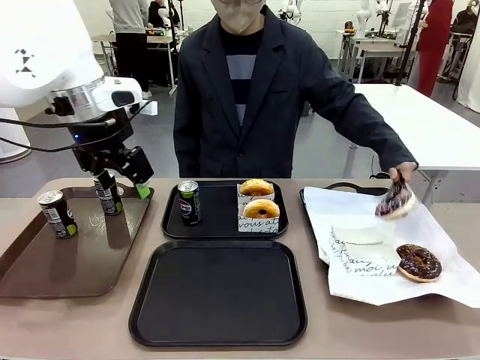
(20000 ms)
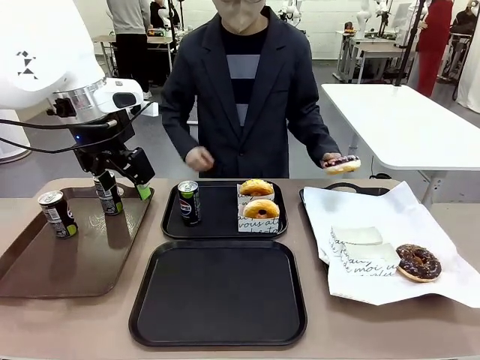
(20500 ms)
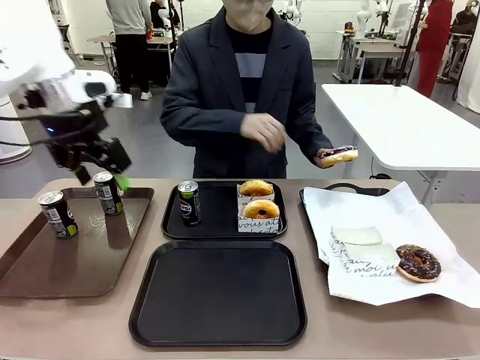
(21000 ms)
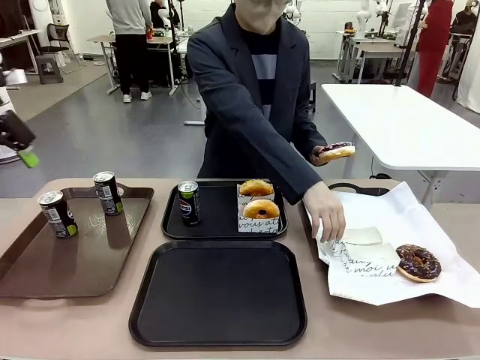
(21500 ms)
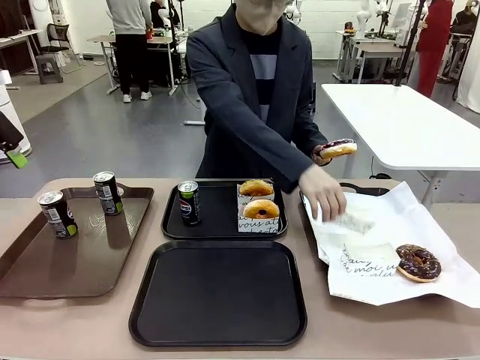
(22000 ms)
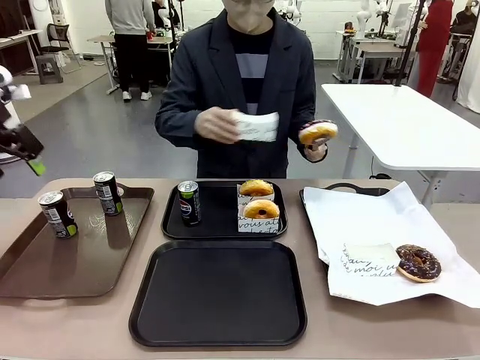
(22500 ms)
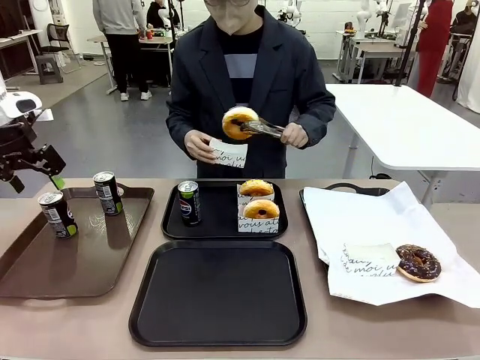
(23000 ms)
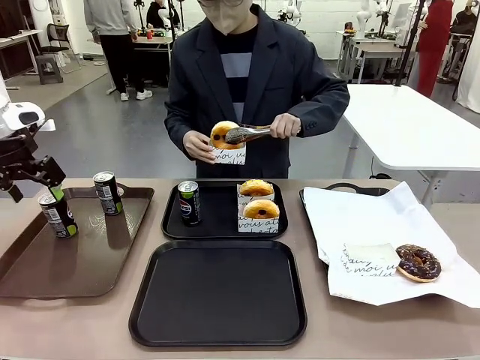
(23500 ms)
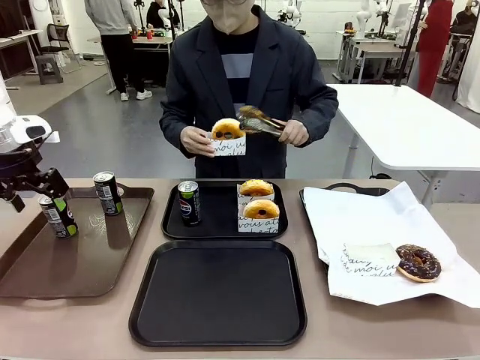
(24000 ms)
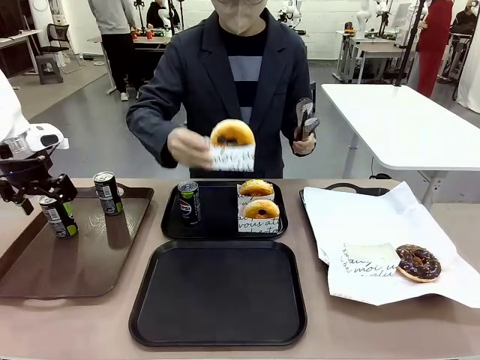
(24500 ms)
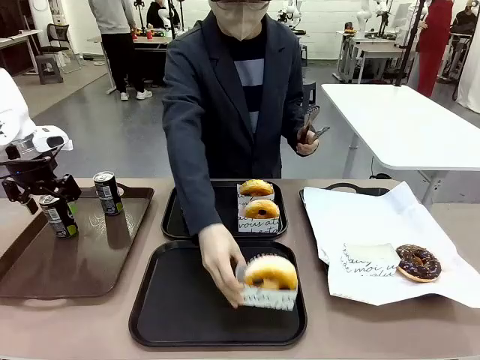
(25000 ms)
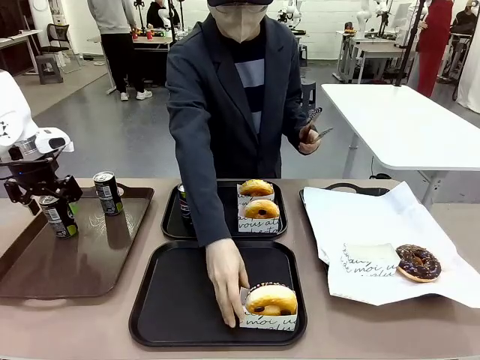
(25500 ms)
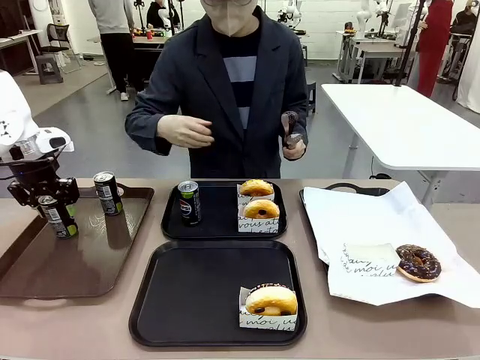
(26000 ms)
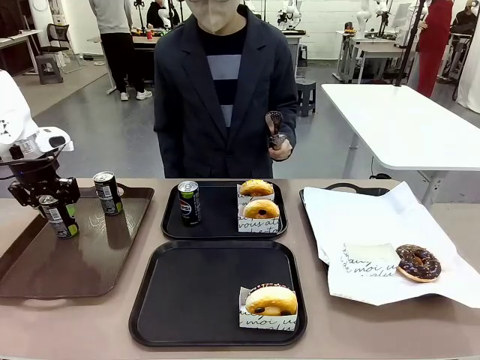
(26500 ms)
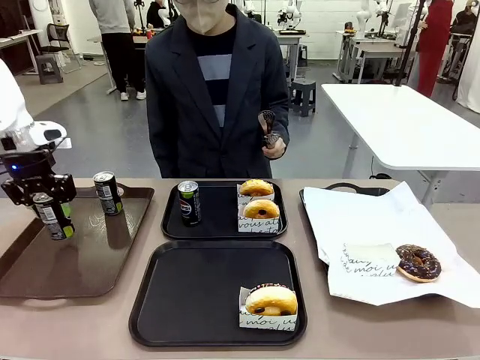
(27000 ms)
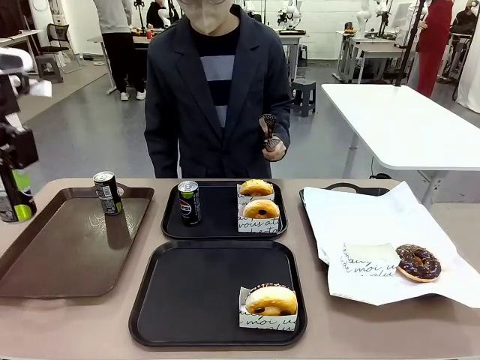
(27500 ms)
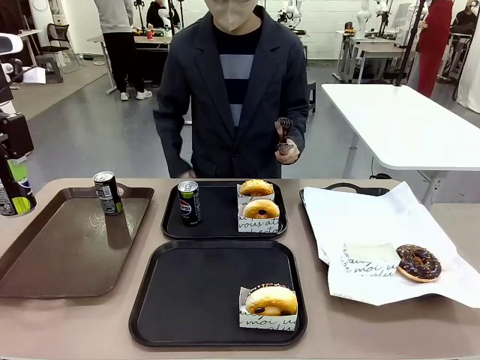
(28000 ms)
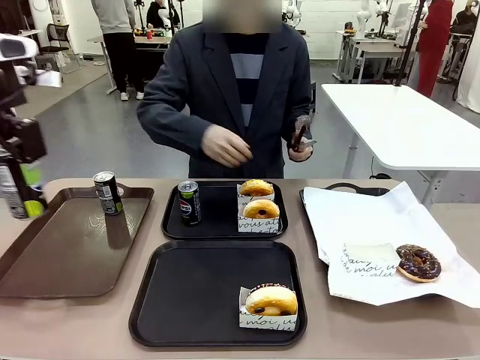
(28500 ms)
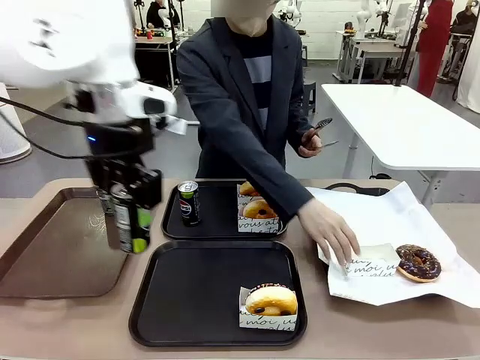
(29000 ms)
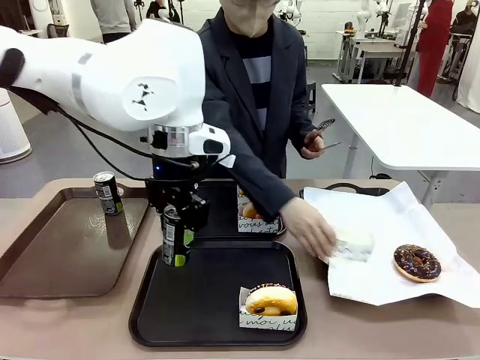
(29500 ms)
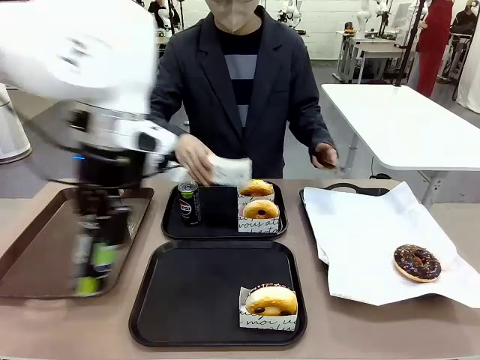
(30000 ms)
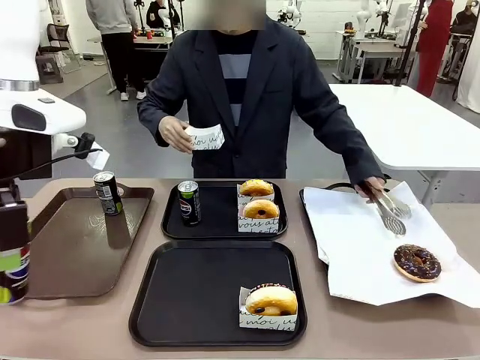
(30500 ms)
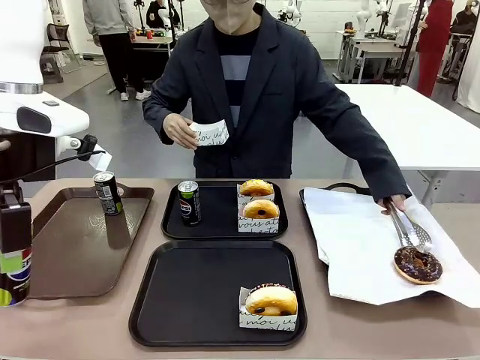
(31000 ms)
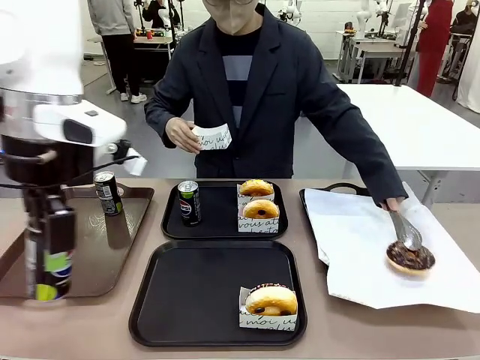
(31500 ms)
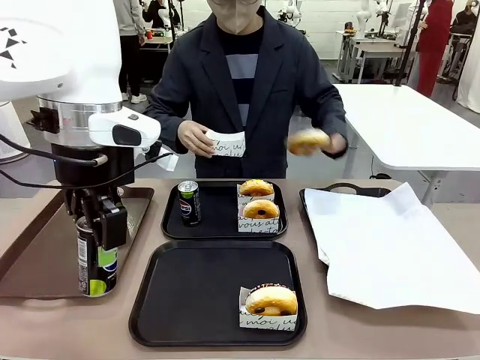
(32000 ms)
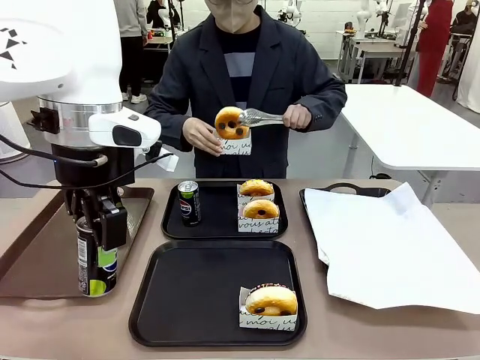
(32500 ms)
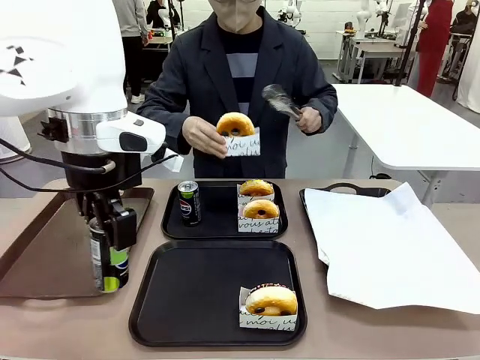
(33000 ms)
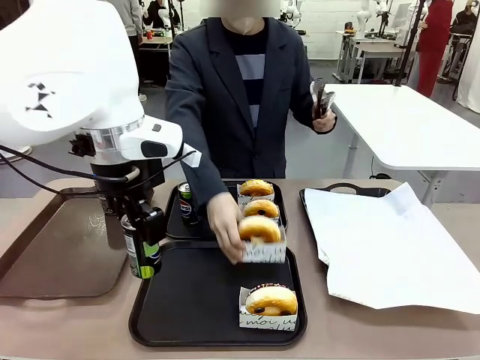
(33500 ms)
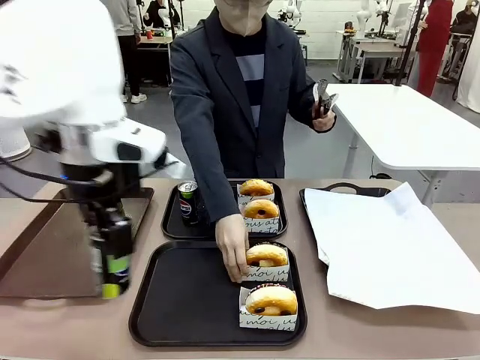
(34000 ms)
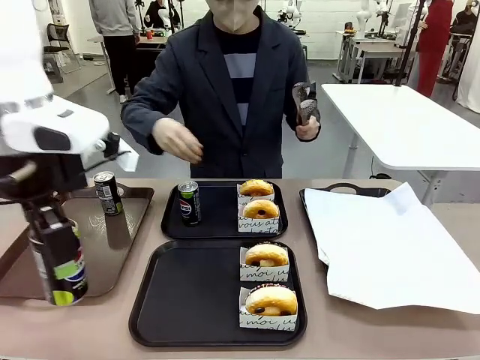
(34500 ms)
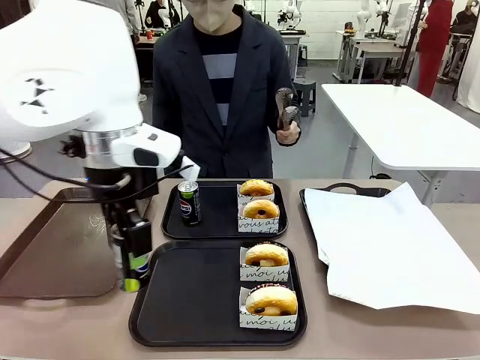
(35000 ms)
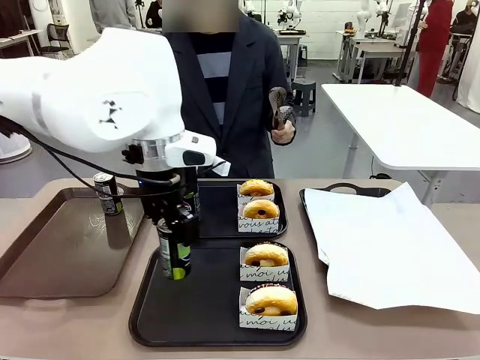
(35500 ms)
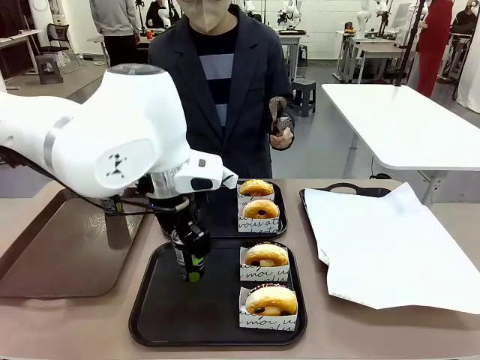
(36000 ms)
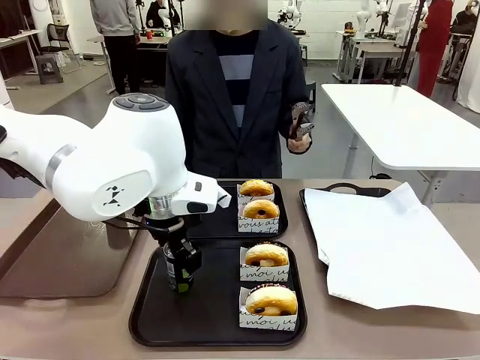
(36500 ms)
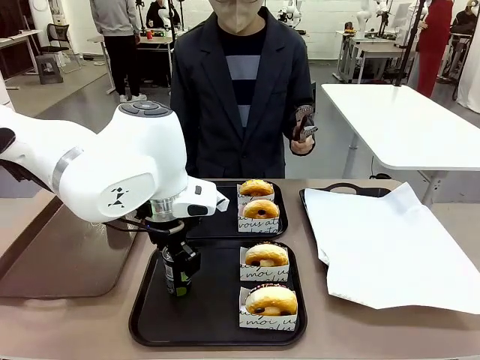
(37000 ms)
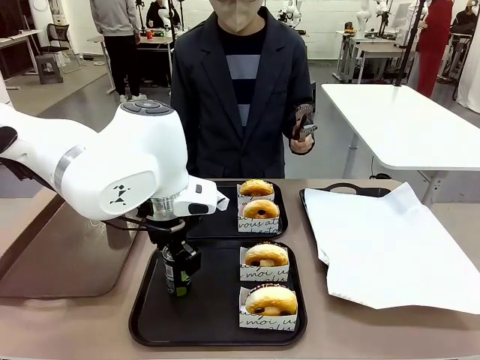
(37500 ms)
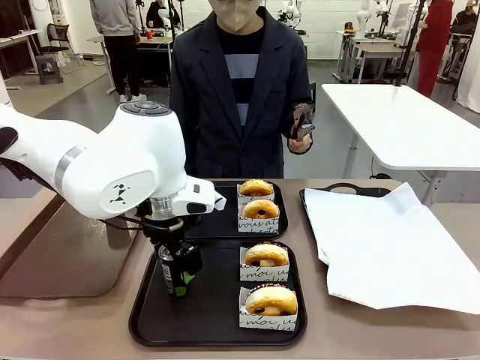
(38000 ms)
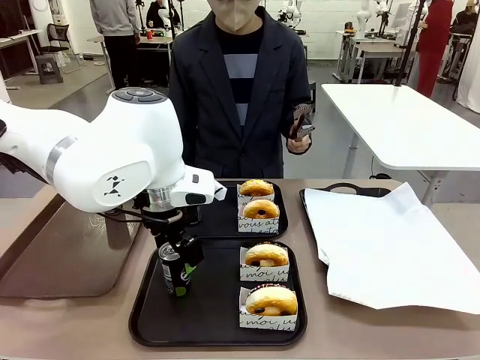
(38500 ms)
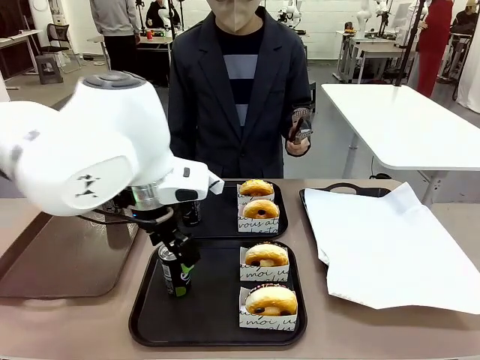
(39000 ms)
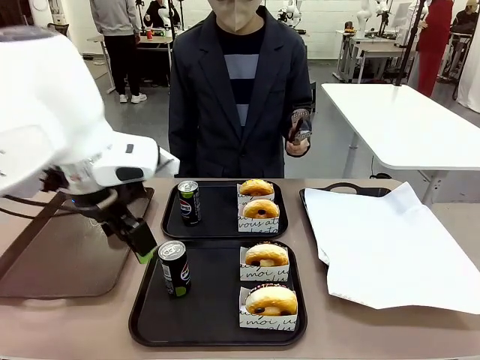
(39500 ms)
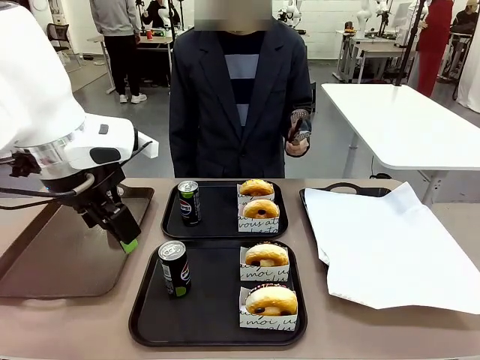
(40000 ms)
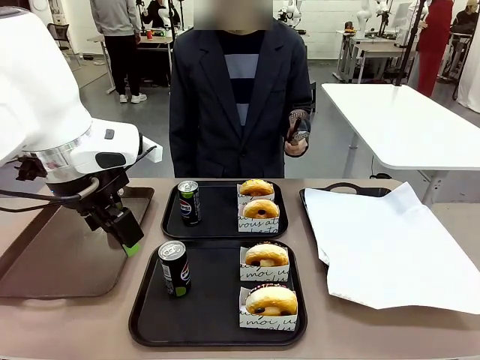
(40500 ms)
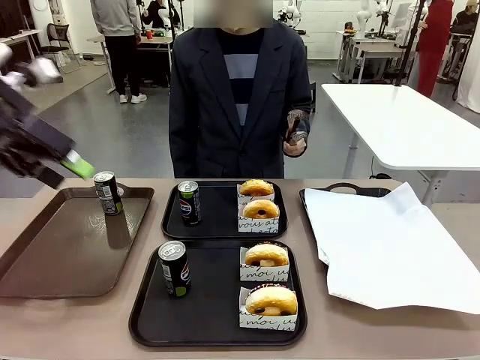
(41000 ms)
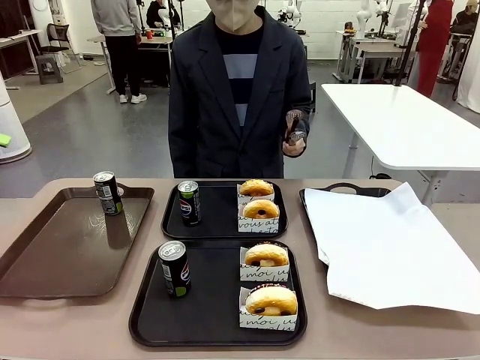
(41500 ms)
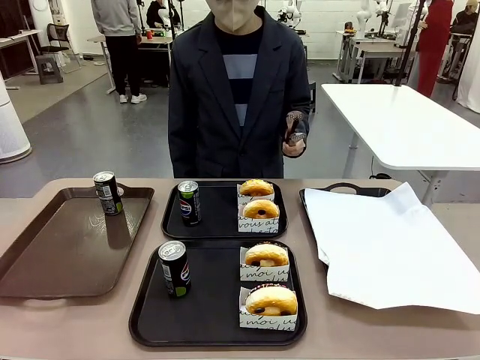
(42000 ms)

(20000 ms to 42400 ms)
Task: Set up donuts and drinks on trays.
Robot: Pick up one Pepsi coke from the Handle tray and place it on the Flat Tray without a Pepsi coke.
Person: Pick up one donut with tongs, place it in the donut tray, and then place the donut tray on the flat tray.

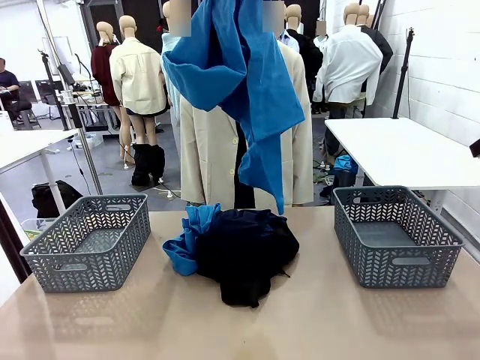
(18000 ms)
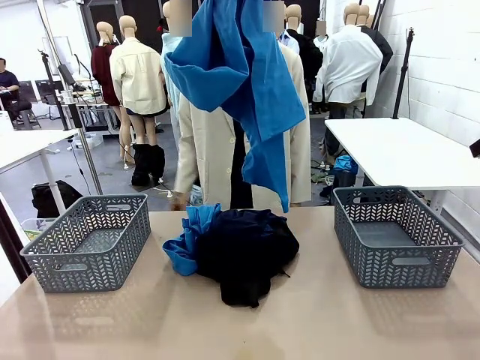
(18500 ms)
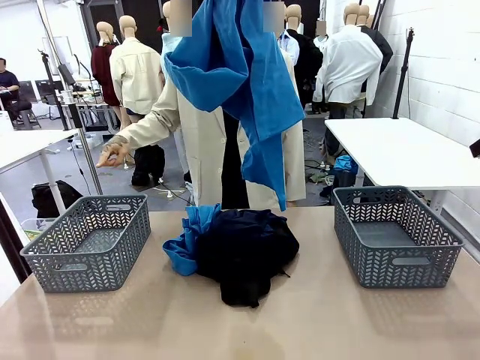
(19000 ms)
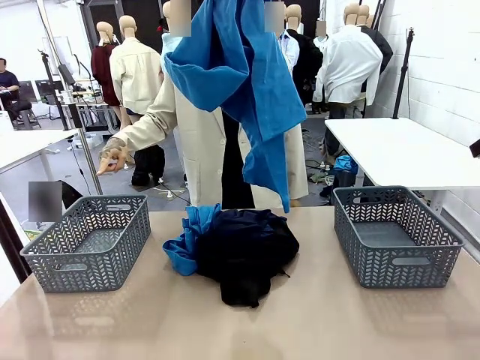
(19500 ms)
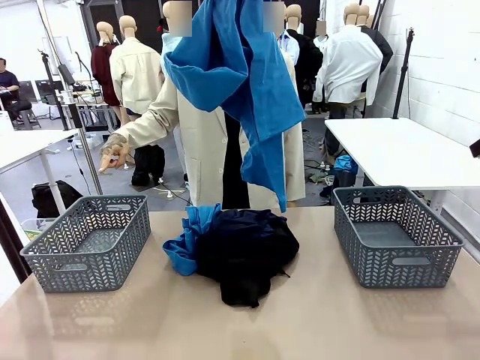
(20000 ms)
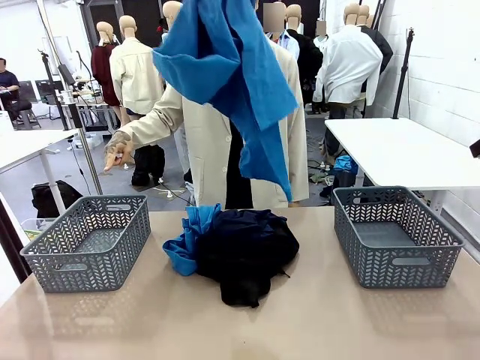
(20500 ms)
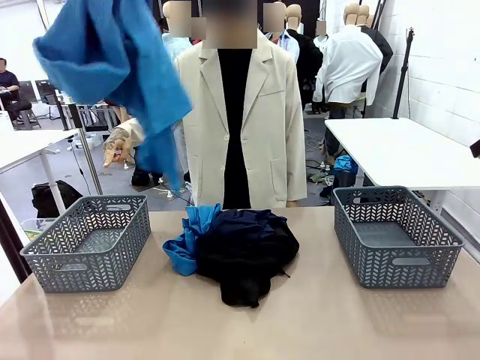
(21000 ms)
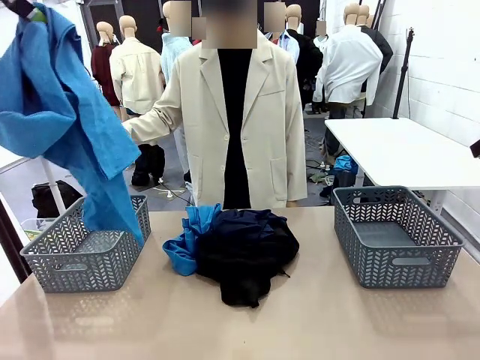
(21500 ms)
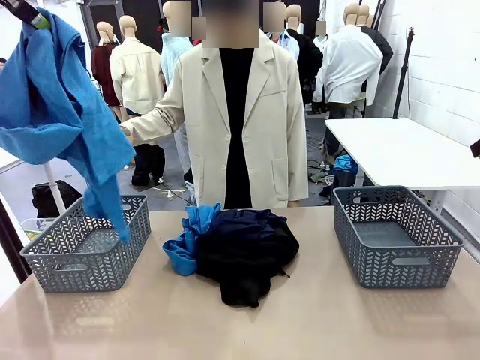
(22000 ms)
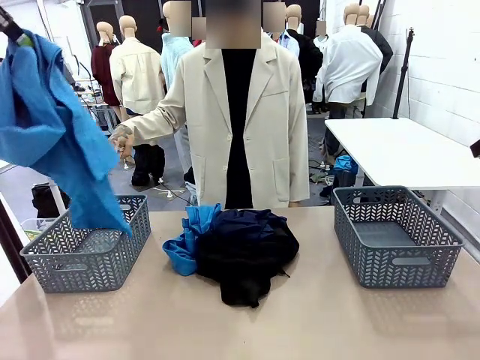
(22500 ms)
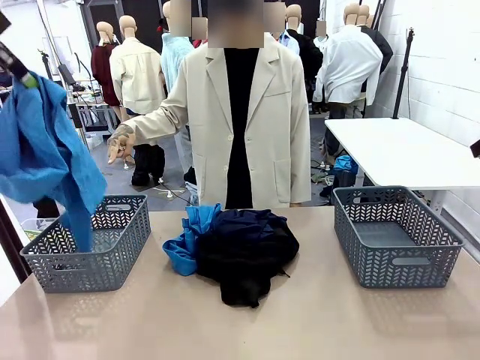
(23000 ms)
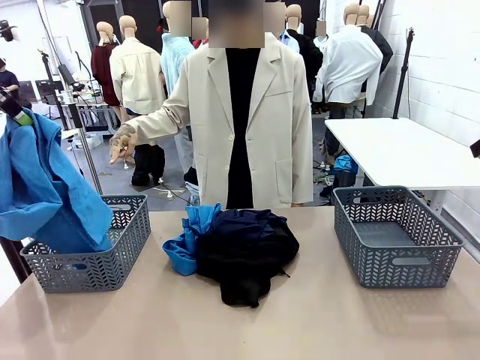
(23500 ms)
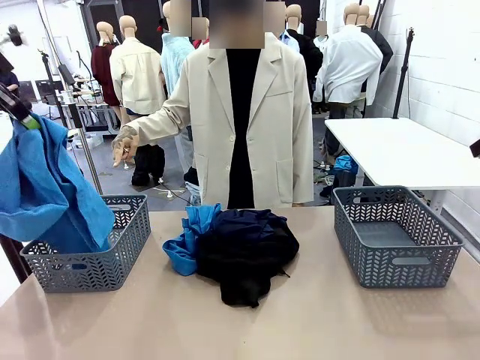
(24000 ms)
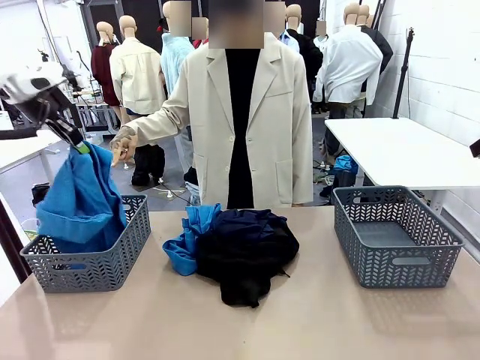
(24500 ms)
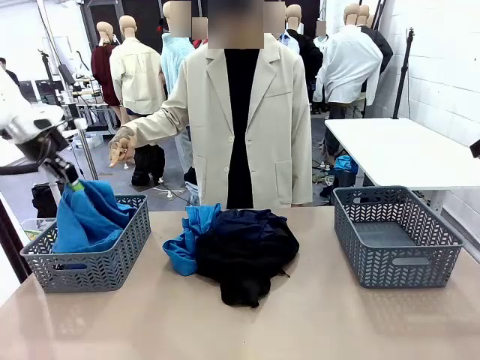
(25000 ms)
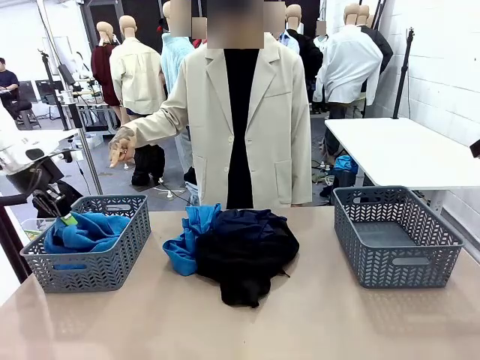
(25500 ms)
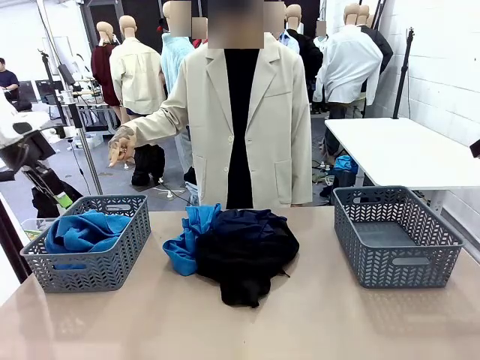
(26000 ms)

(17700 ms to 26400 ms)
Task: Sort the tops and bottoms.
Robot: Sort the clothes according to human instructions.
